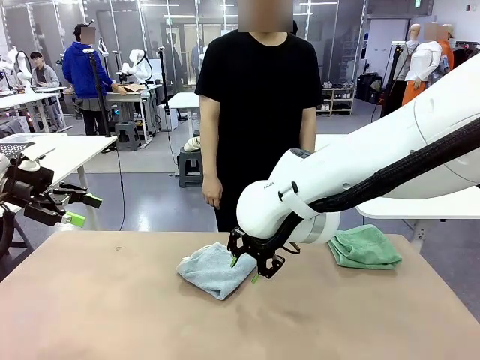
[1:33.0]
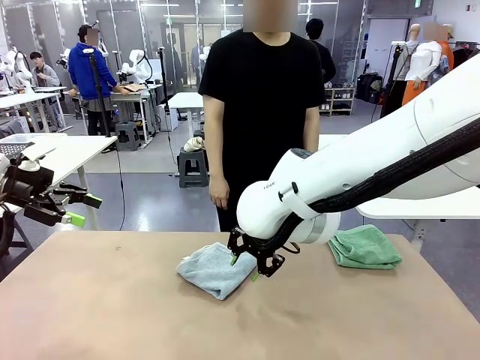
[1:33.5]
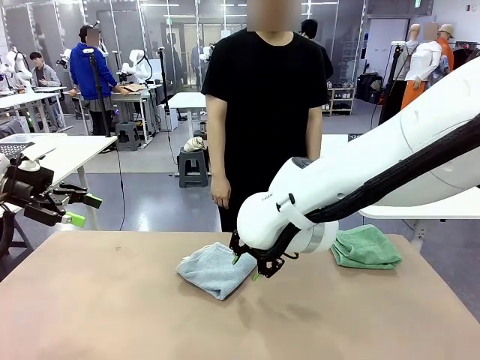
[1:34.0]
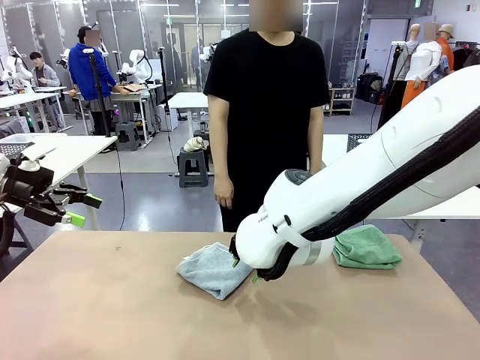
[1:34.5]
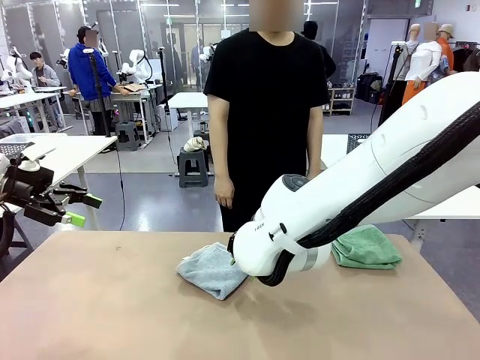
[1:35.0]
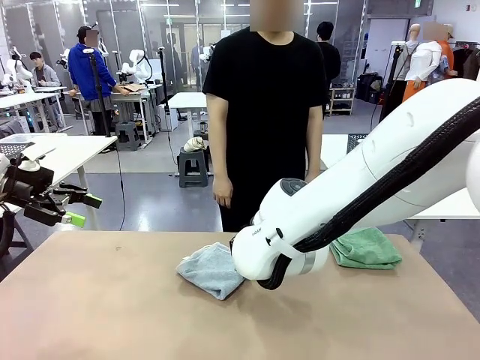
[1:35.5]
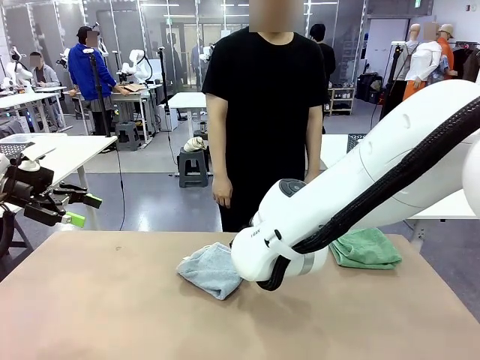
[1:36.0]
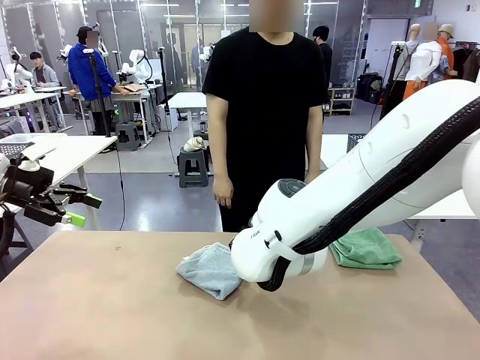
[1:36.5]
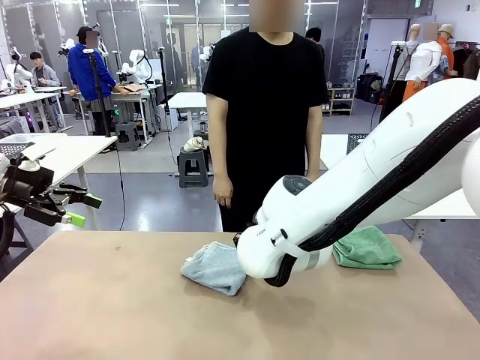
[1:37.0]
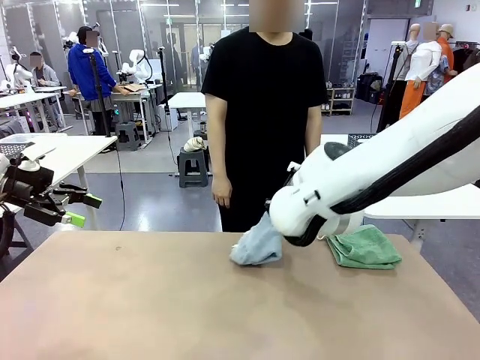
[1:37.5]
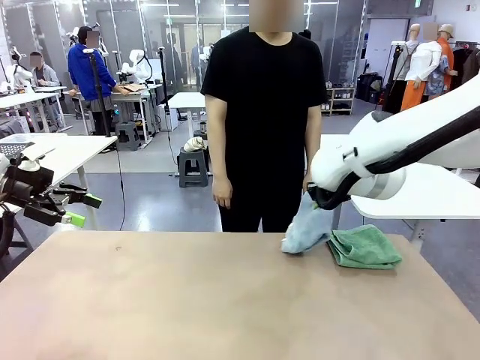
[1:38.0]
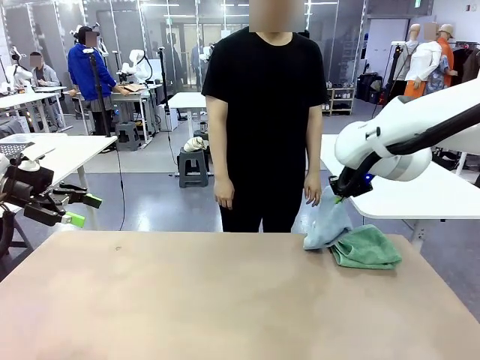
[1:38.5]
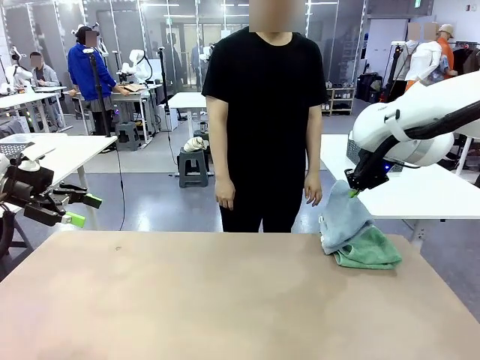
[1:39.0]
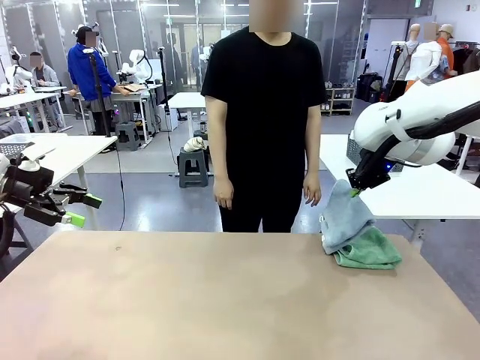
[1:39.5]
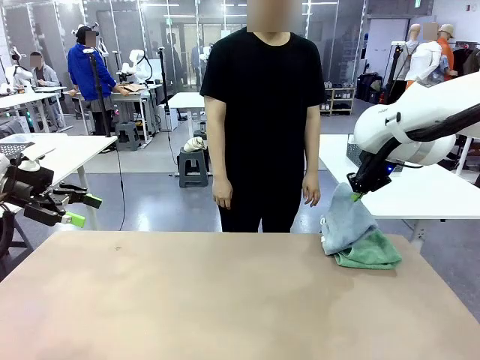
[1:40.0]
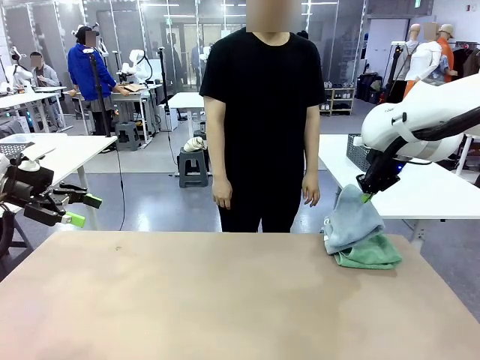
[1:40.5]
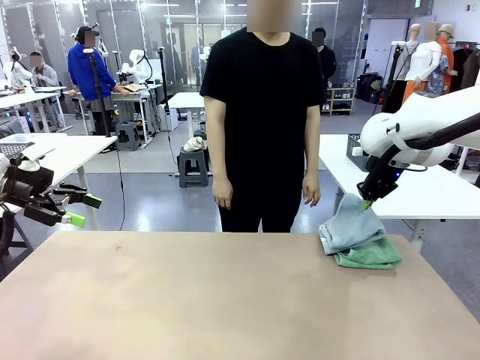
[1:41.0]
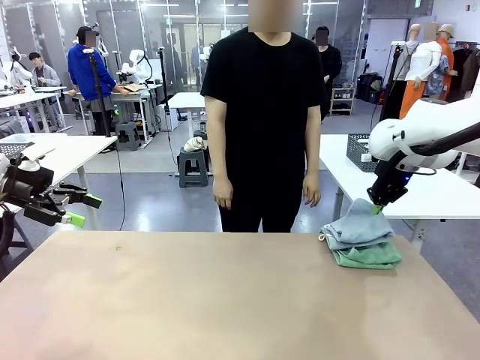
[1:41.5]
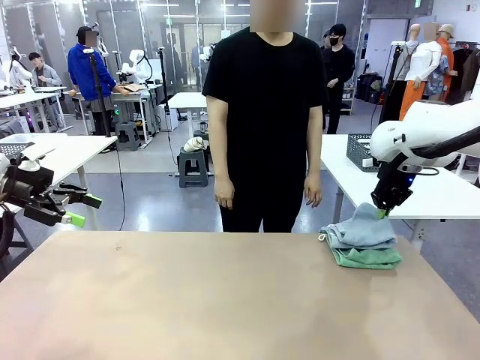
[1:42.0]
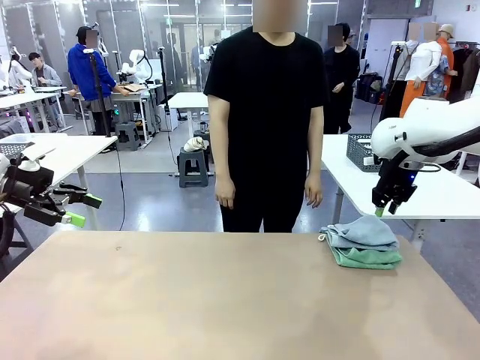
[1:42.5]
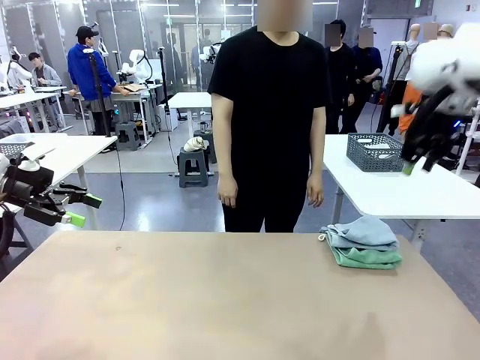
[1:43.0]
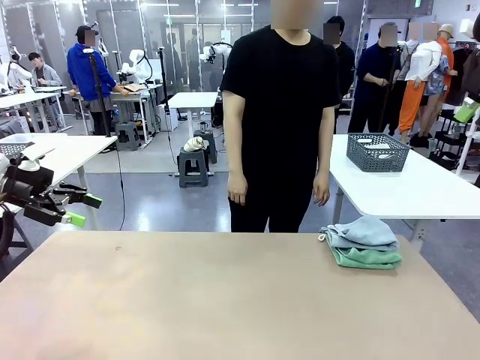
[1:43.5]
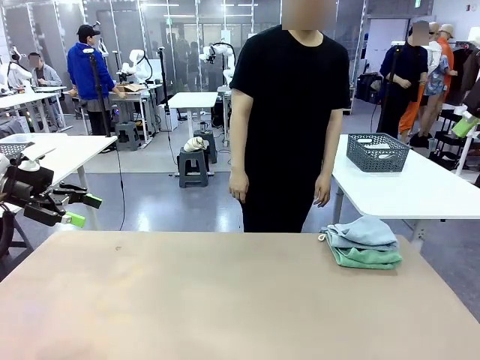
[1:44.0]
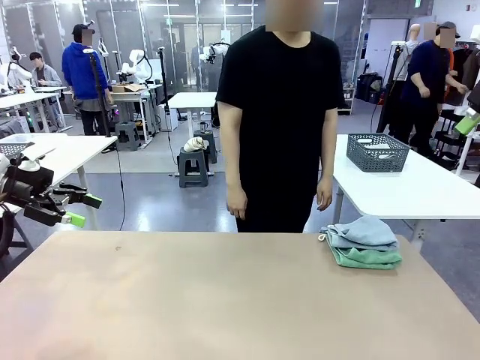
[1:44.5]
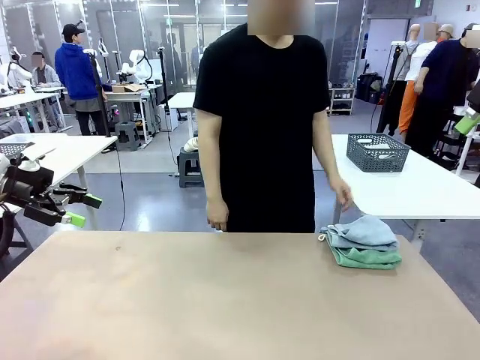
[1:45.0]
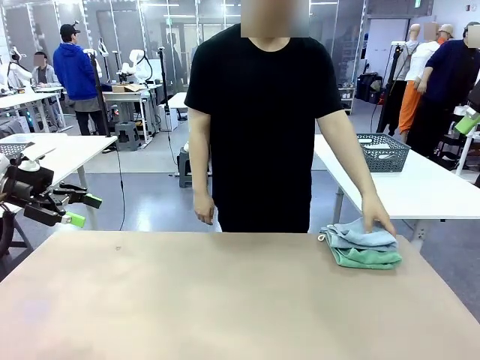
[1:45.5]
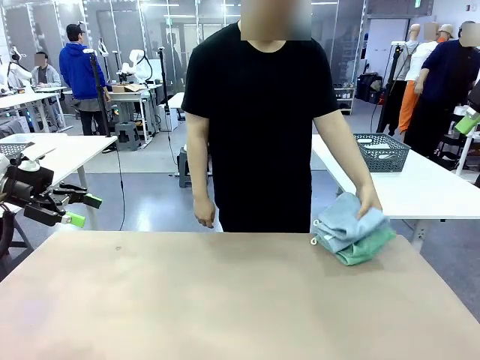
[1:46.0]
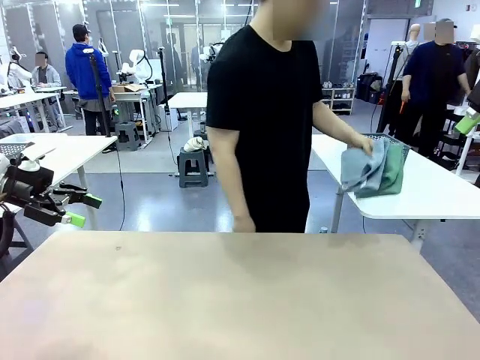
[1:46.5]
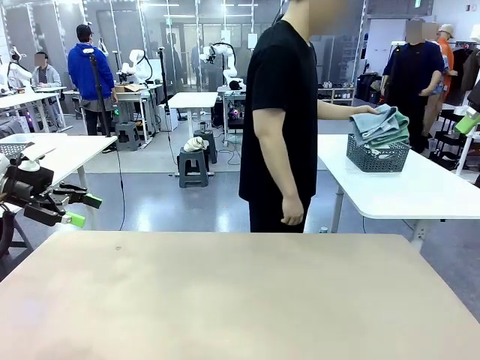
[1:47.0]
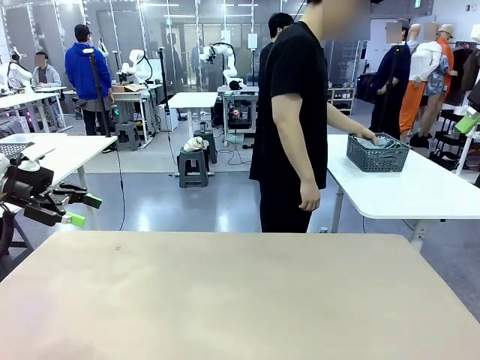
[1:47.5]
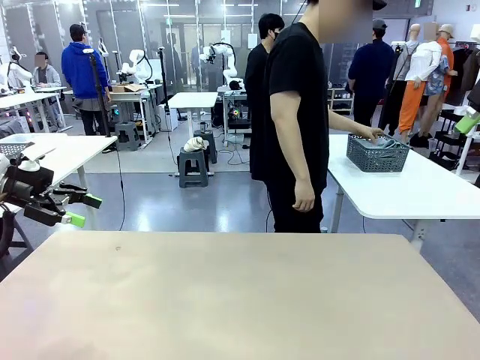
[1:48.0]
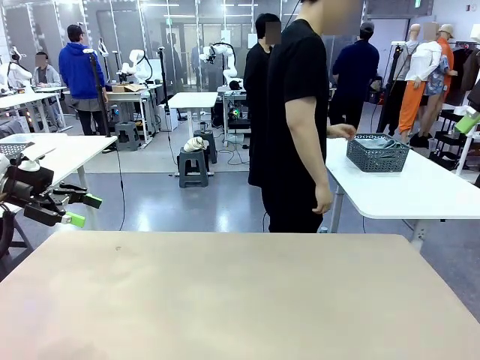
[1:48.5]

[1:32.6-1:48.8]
Task: Fold the towels and place them in the basket.
Robot: Stack the folded Towel with hook on the right side of the table.
Person: Pick up the stack of towels from the robot table and place it into the basket.

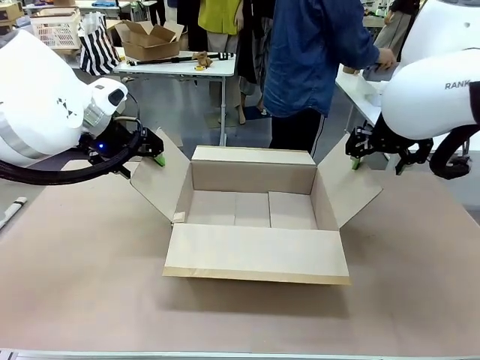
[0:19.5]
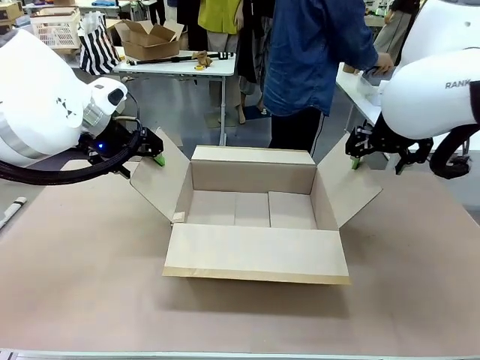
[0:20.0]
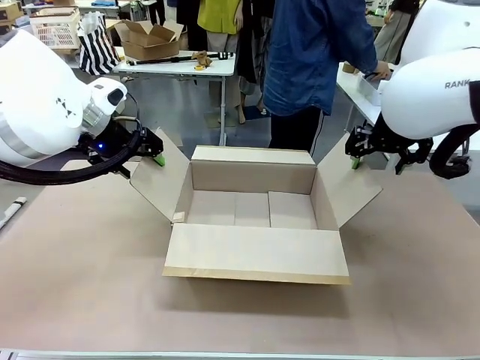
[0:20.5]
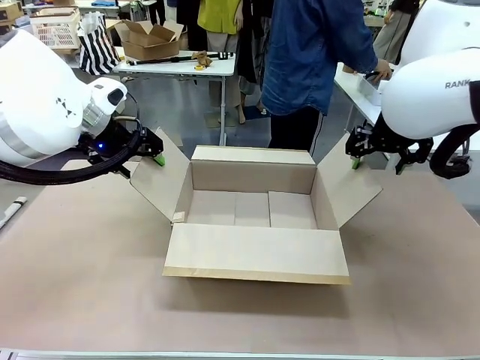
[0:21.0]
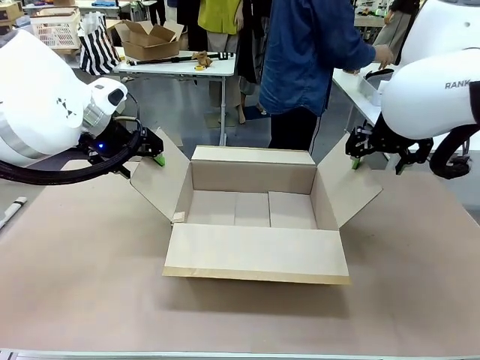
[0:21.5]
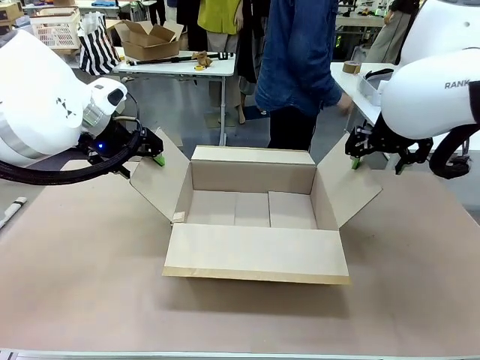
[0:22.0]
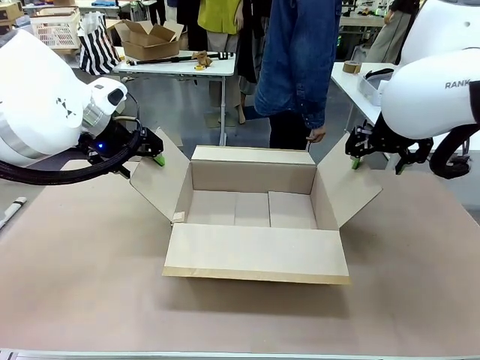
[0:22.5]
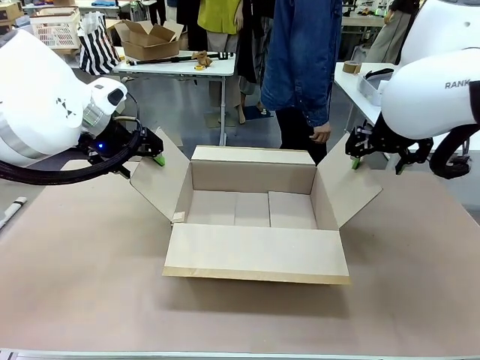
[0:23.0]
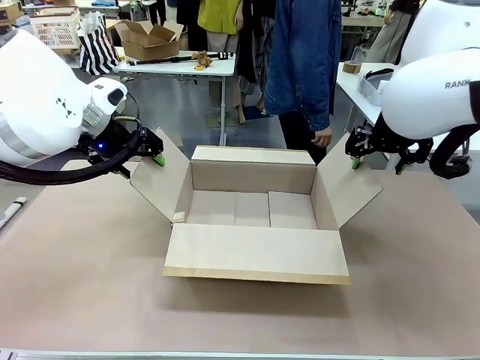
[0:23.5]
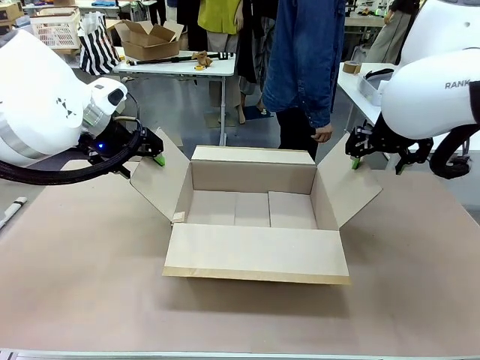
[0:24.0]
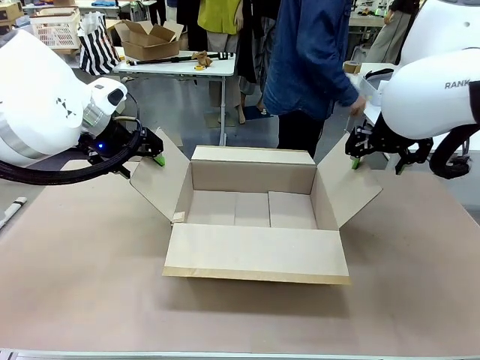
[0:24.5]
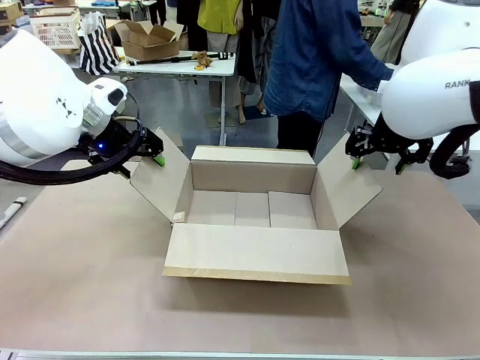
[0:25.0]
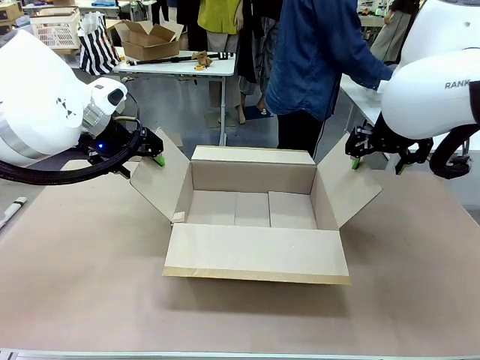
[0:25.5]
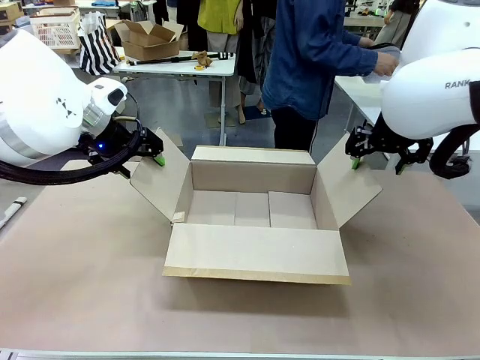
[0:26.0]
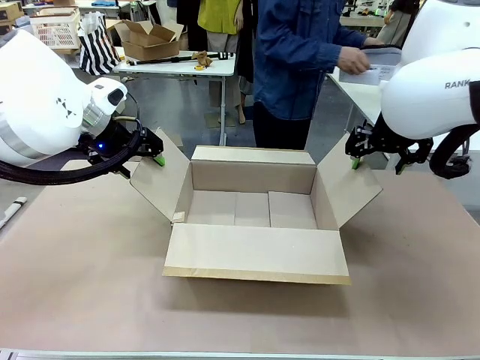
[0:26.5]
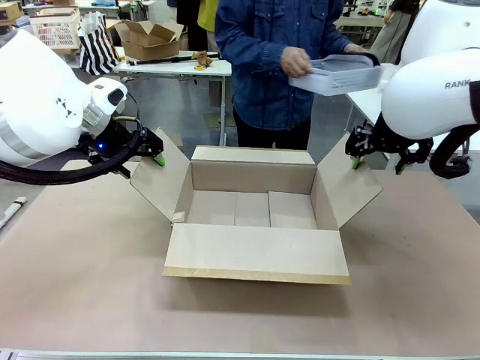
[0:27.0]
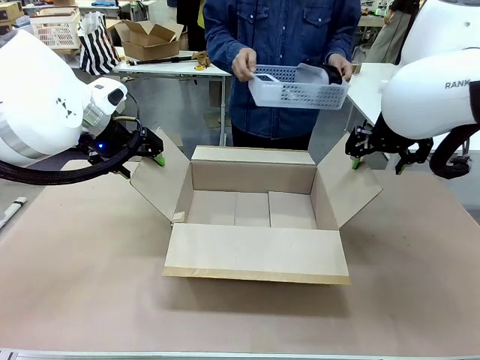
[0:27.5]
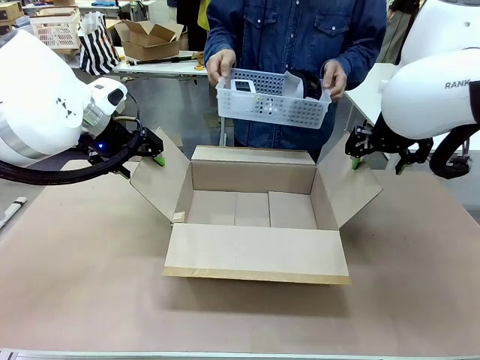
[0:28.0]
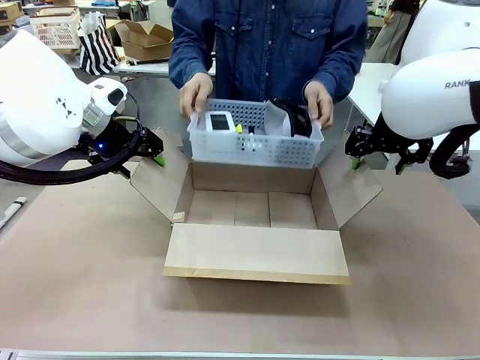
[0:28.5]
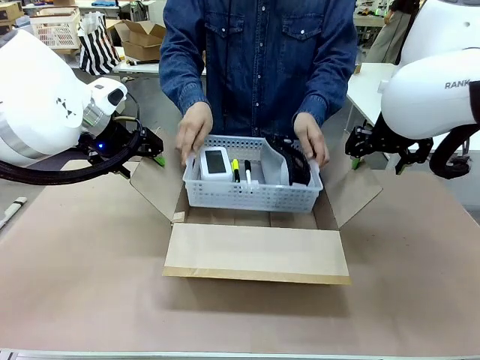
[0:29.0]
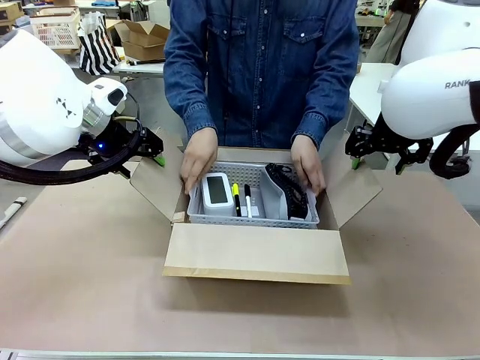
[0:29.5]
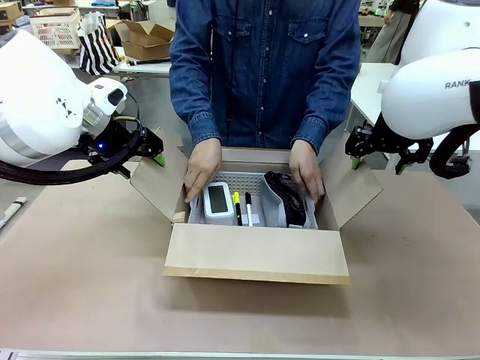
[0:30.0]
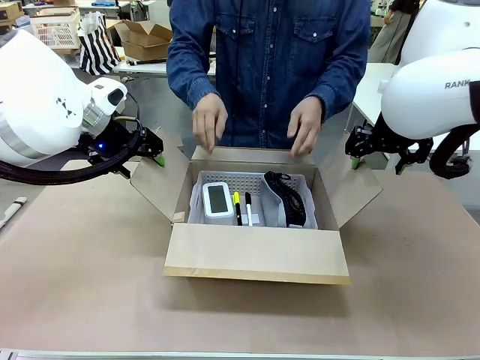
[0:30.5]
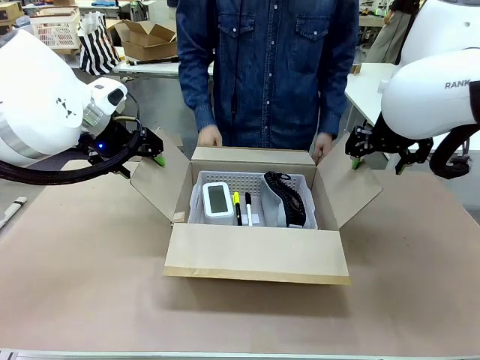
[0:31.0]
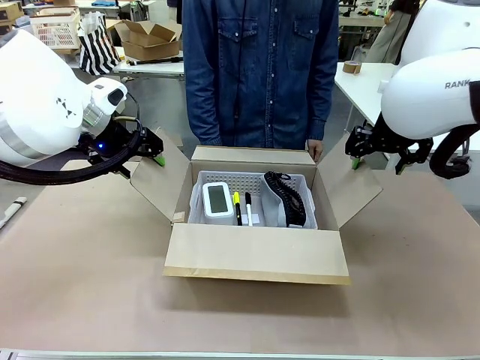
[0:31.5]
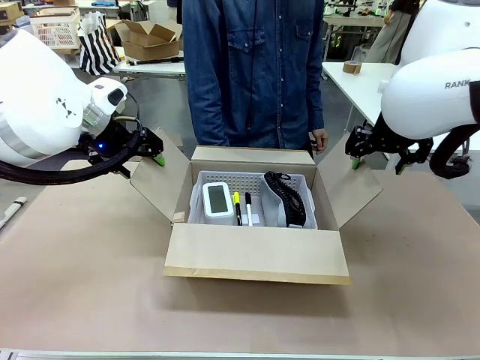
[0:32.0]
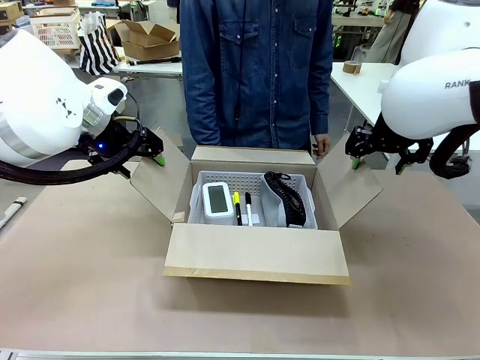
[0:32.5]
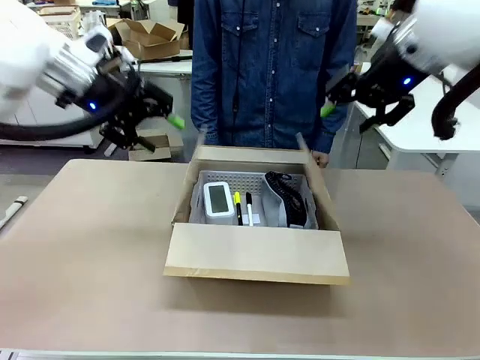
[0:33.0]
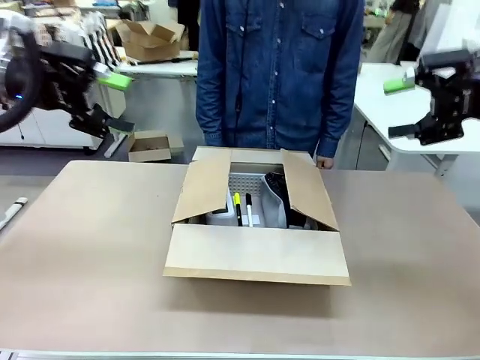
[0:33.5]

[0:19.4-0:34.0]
Task: Pack the gift set into the box.
Robot: Lift both hands away from the flaps of the Package Box.
Person: The human picks up the organizing basket and places the organizing basket into the package box on the robot table.
